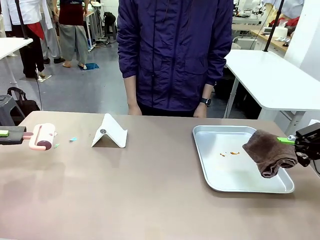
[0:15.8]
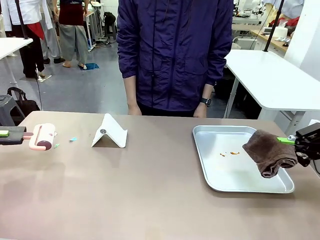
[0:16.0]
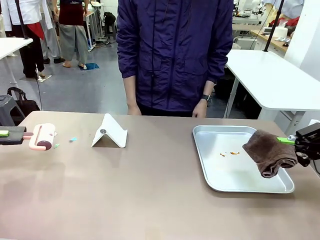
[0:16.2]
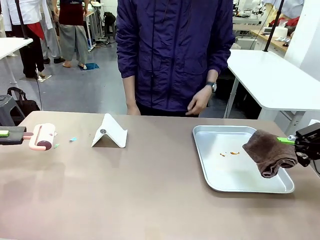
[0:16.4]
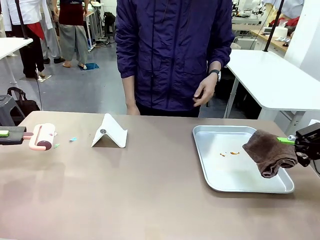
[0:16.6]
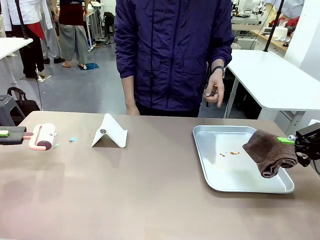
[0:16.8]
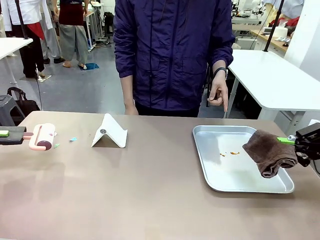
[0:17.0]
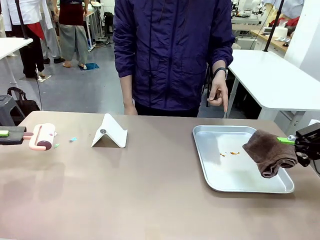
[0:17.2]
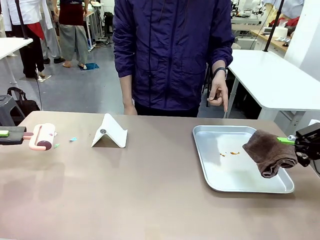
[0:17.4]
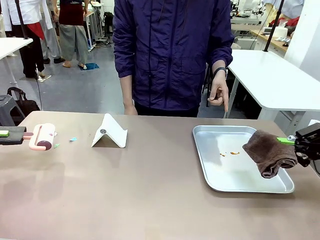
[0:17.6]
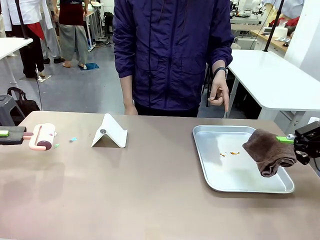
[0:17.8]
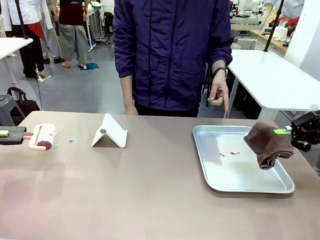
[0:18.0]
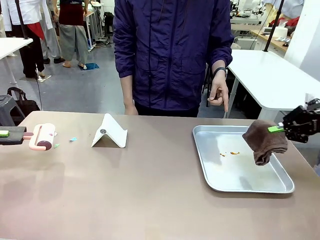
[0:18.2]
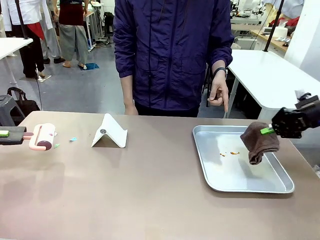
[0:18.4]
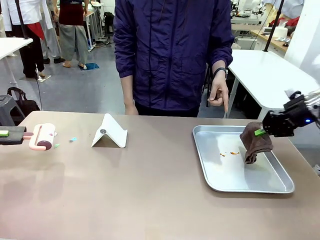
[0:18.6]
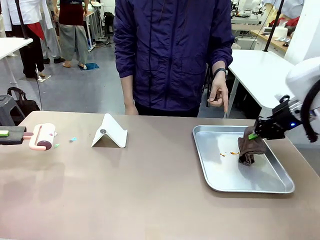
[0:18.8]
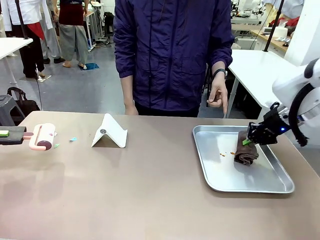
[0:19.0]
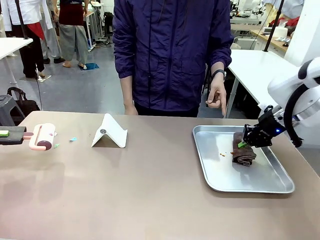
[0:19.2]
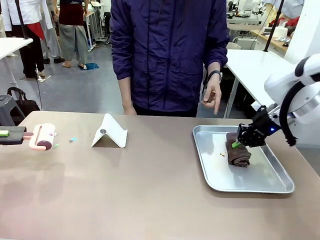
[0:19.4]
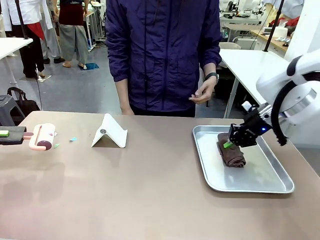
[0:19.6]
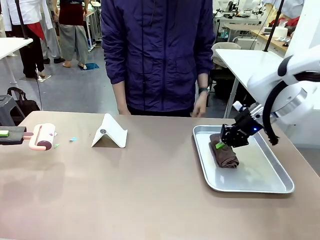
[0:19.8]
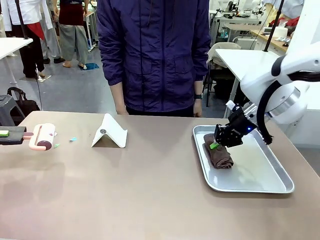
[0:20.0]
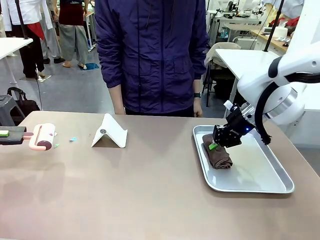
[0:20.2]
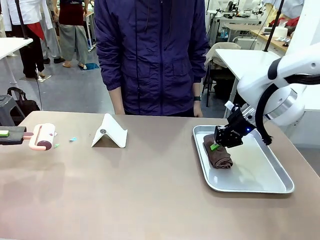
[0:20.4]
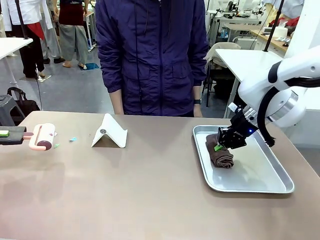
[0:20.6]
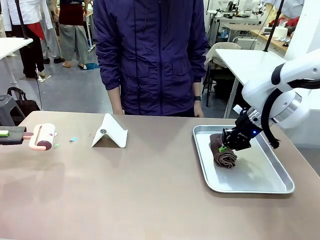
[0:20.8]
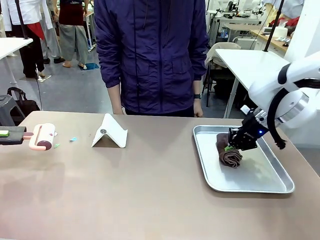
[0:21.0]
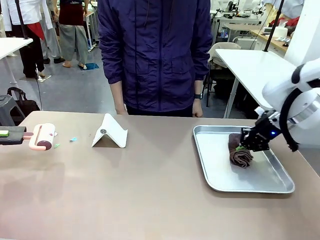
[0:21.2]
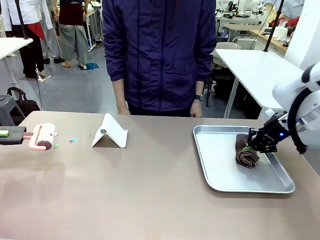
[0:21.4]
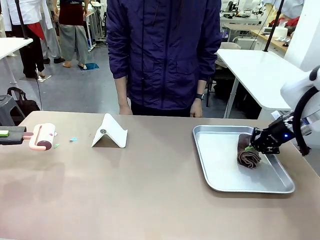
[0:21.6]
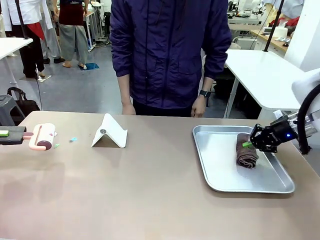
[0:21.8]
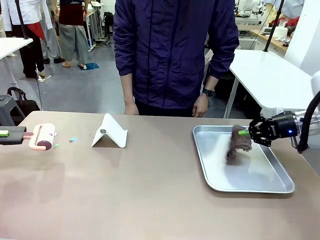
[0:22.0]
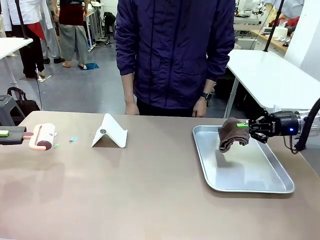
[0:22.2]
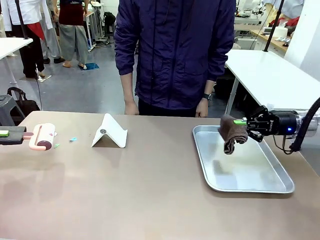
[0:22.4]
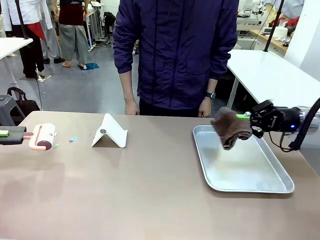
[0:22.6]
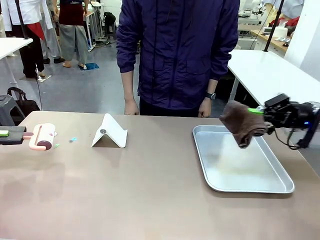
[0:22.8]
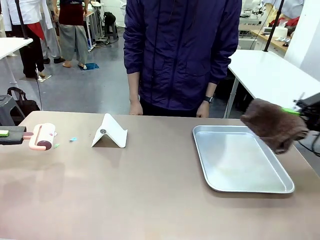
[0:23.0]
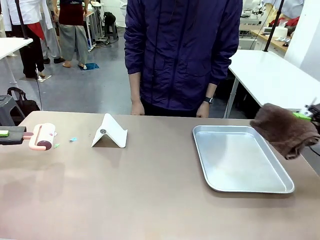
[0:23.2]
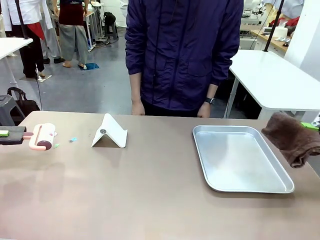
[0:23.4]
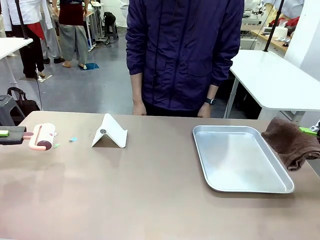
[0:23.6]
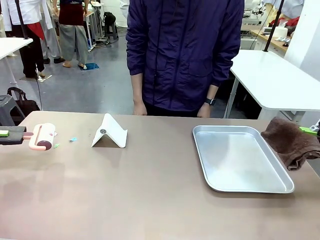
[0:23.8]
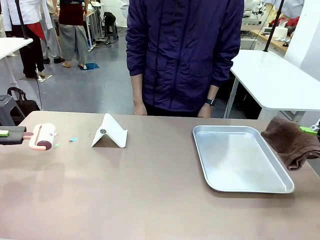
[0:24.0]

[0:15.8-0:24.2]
Task: Clean the surface of the table.
Robot: If a person points to the right, clean the right side of the table with your right hand, and if they point to the left, clean the left side with your left hand.

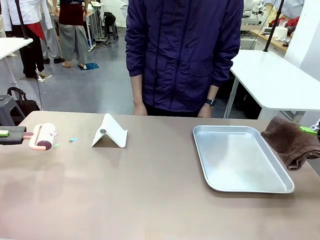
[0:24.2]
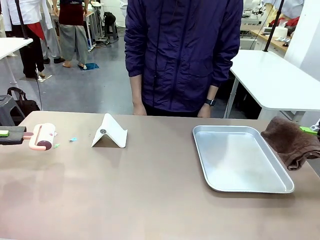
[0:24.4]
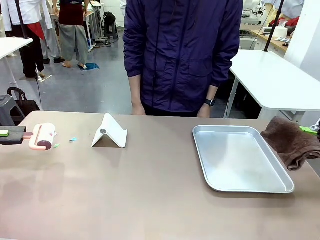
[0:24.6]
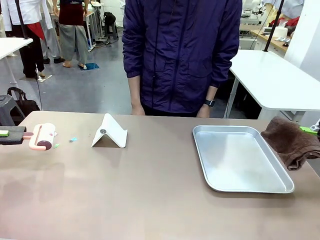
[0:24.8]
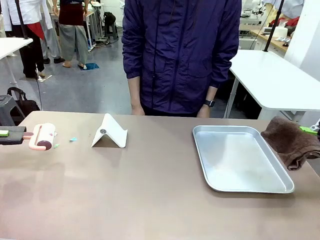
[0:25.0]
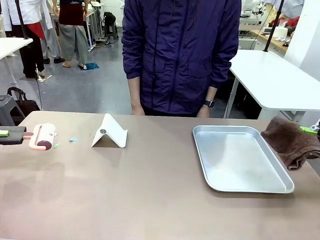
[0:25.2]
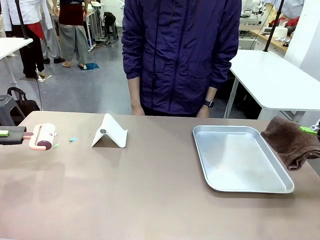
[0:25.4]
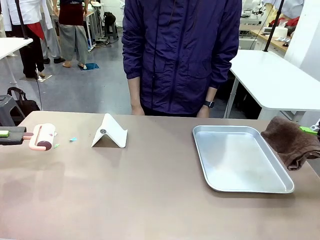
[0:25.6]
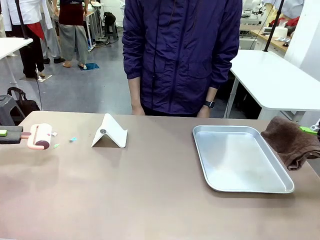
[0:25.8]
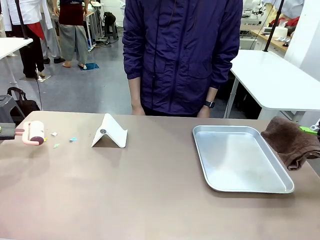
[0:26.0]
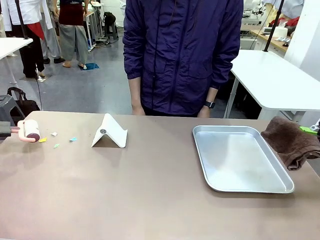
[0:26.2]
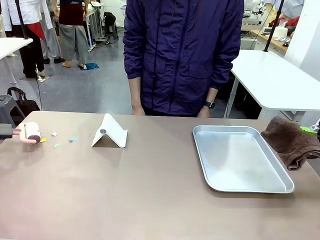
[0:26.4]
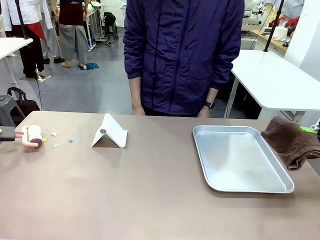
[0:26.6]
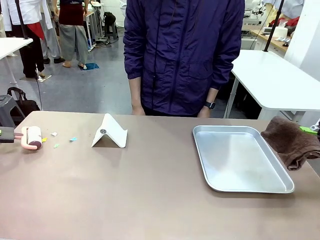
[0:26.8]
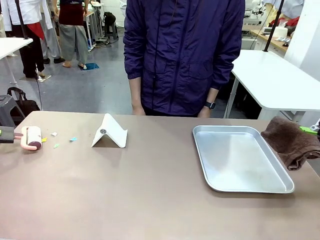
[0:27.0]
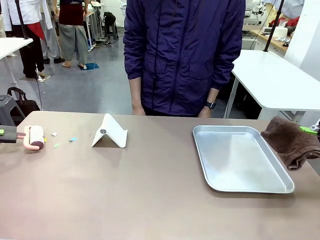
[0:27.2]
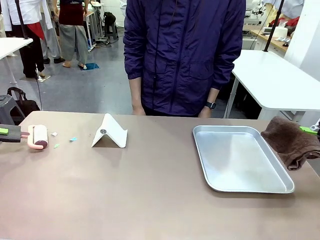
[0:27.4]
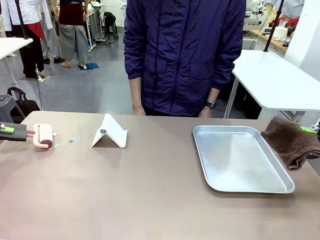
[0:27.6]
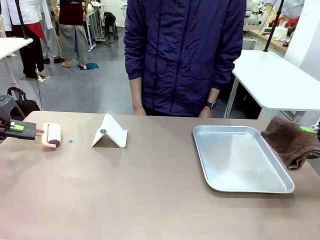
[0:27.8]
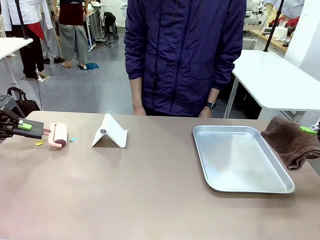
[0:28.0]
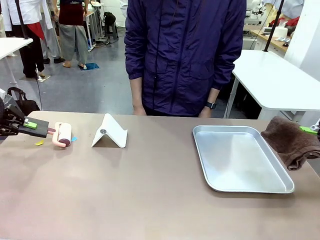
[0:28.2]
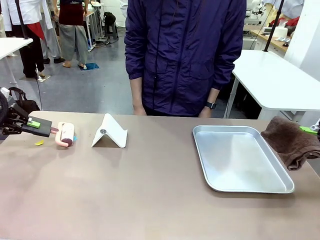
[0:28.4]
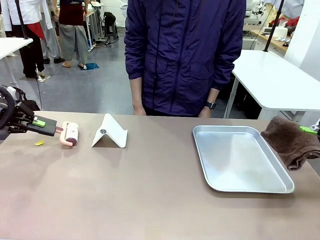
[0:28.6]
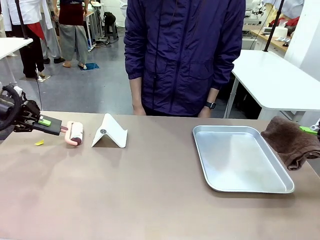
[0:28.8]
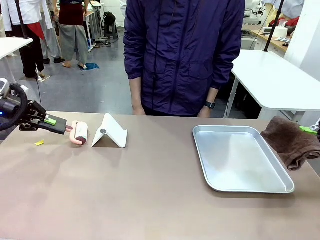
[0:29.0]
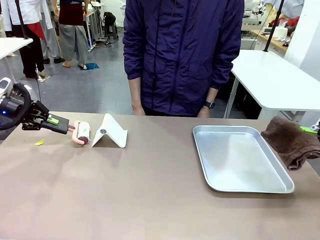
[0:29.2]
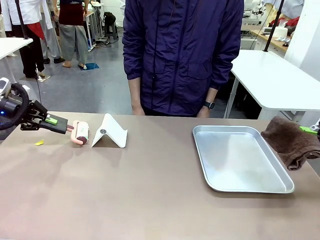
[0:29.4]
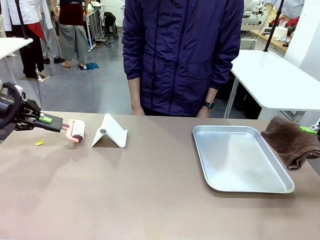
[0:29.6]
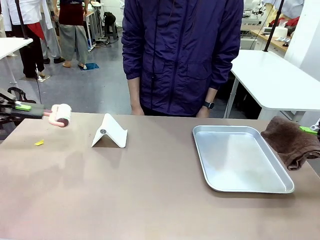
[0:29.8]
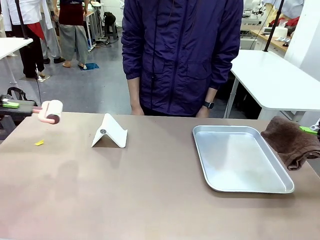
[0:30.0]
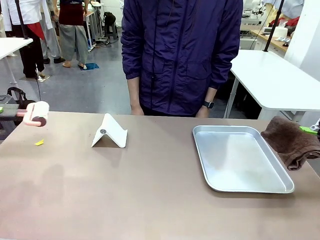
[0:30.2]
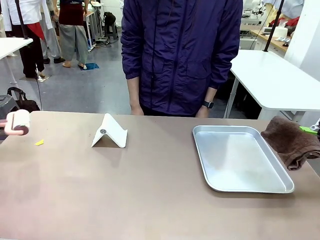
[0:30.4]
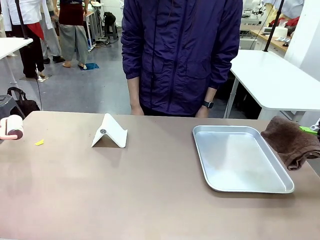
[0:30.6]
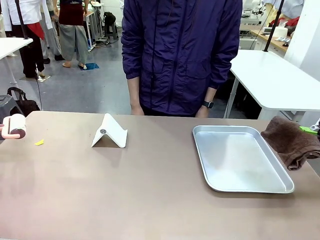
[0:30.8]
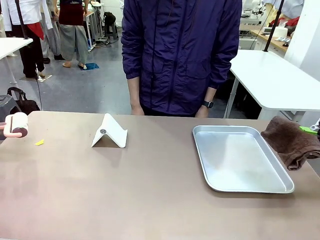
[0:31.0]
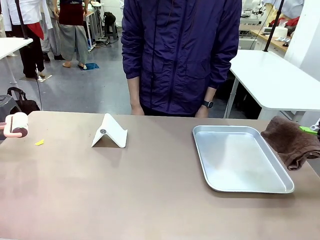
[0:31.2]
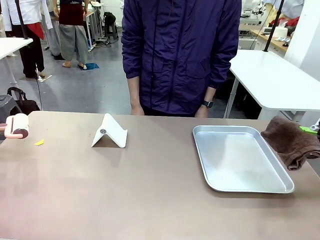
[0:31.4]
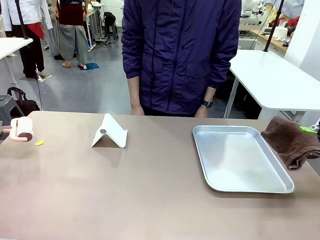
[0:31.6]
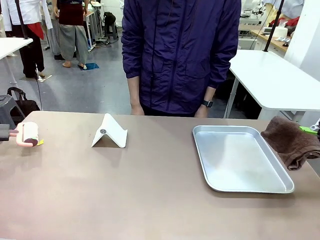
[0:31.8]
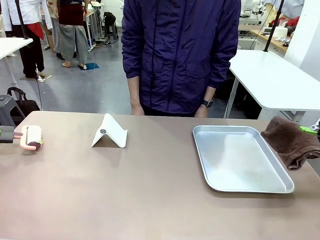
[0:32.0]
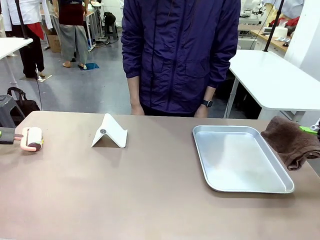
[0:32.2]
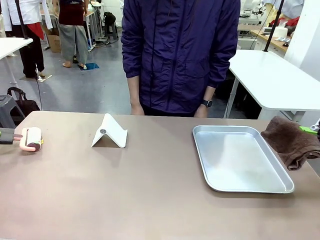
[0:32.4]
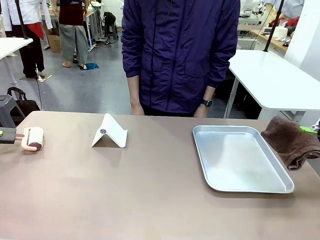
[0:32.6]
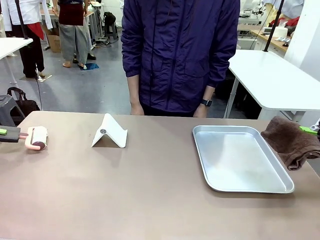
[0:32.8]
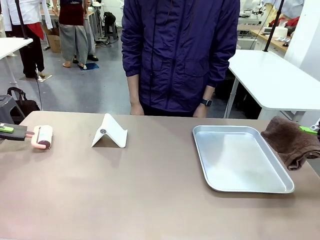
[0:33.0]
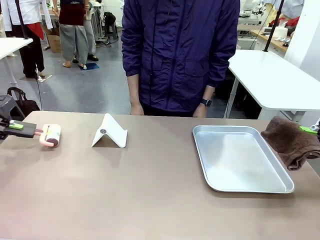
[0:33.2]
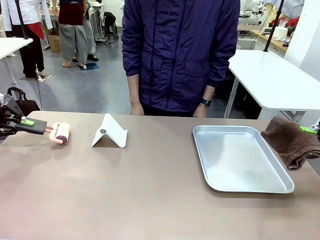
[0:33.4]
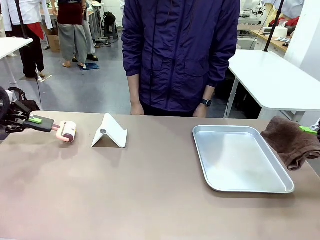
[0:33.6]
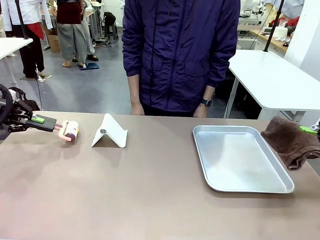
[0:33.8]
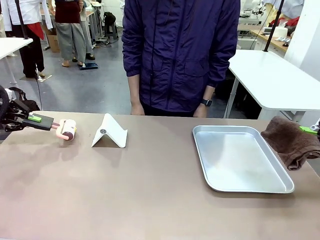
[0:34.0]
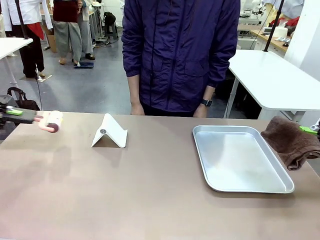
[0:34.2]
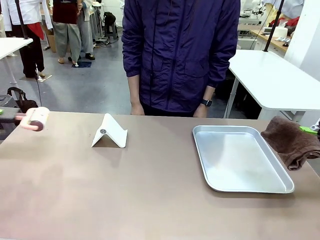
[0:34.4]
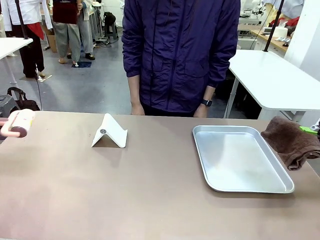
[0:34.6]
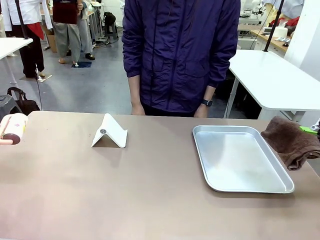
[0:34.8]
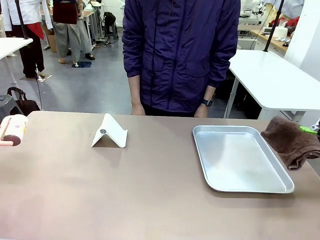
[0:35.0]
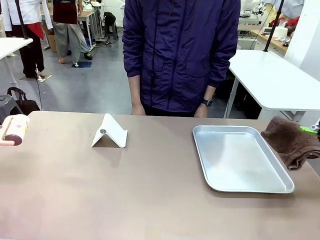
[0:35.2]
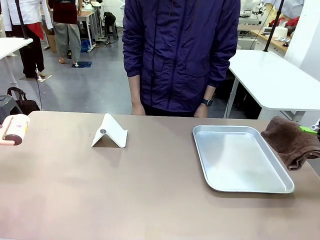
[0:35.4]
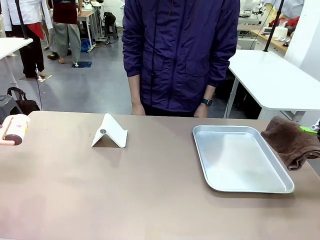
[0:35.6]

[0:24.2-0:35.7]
Robot: Clean the area not pointed to by the person.
